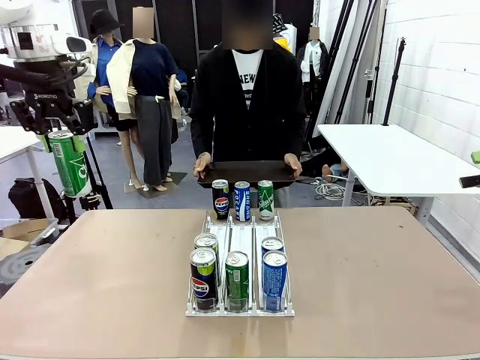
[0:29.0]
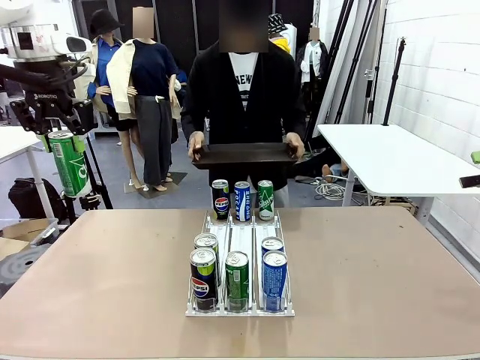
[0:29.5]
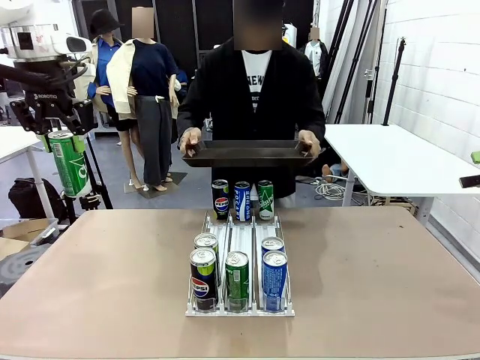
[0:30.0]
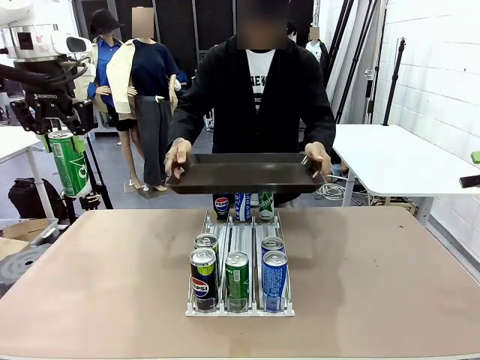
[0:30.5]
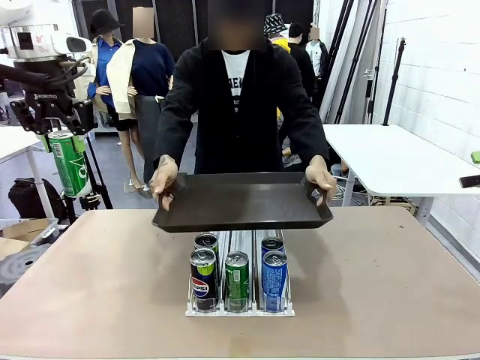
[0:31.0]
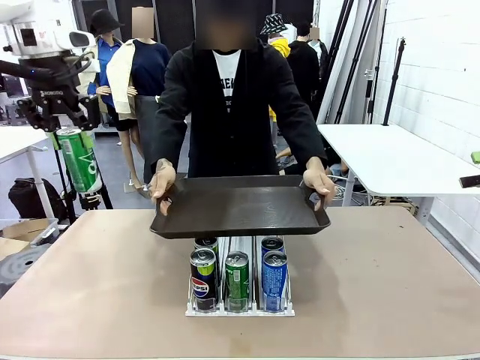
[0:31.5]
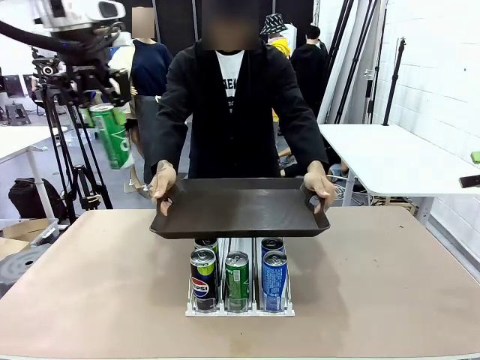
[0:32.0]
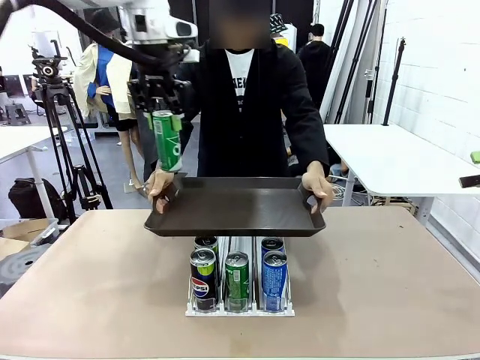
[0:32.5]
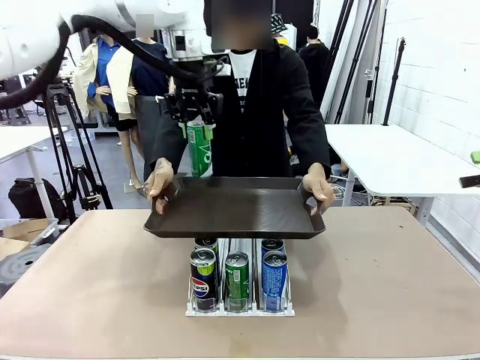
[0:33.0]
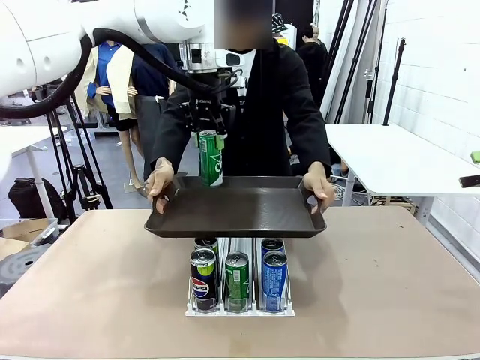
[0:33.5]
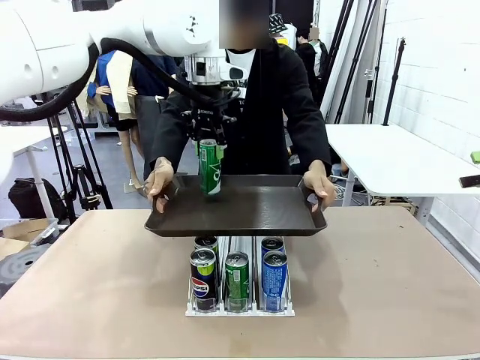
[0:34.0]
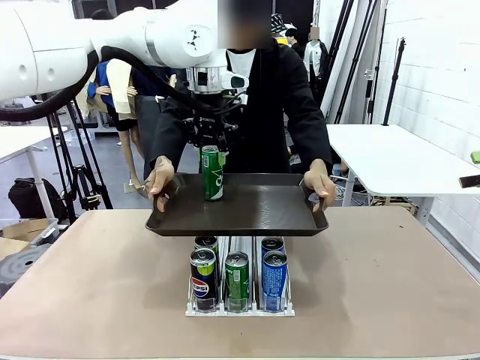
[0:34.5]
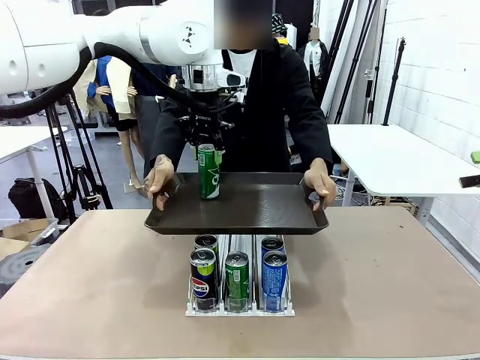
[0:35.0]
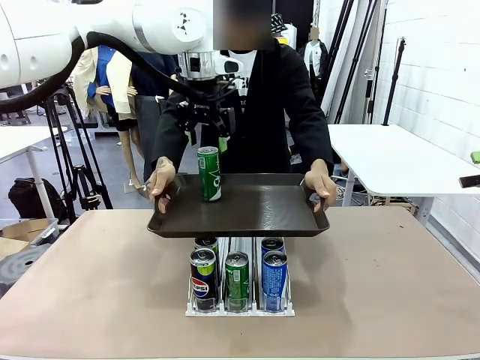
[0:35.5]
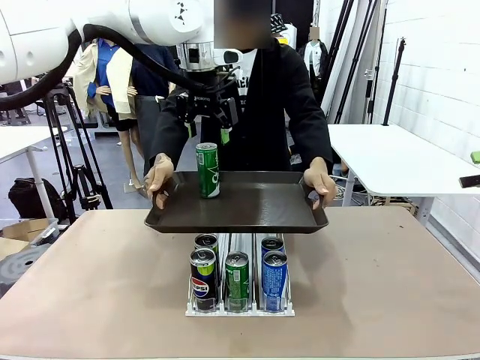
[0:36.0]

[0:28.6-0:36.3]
Task: Retrieve and hand over the desired beverage to the person.
Robot: Place the picked can on the Handle tray extended by the person.

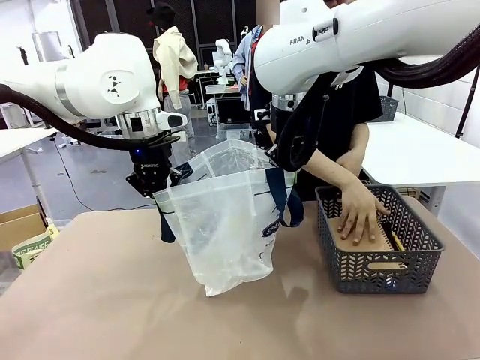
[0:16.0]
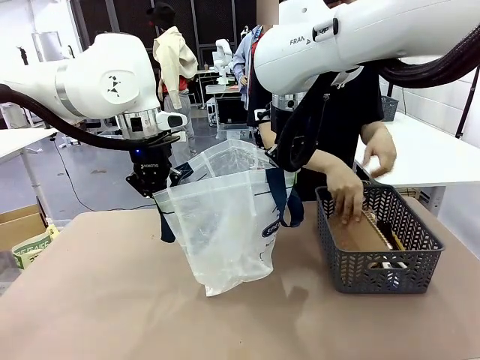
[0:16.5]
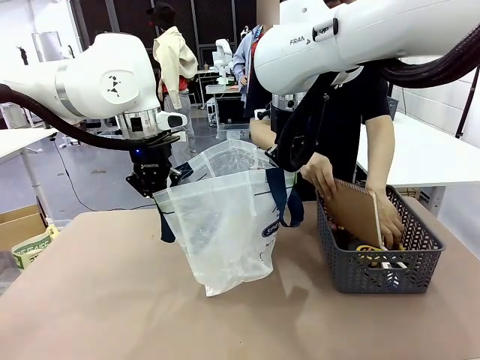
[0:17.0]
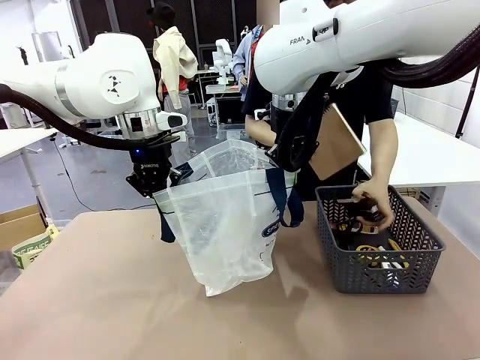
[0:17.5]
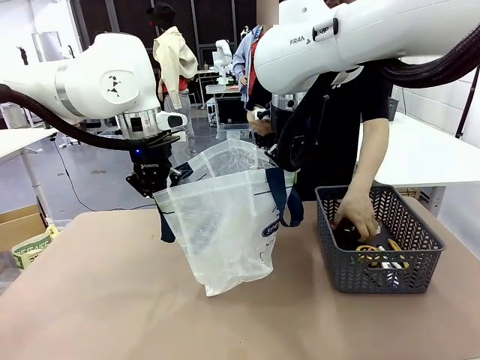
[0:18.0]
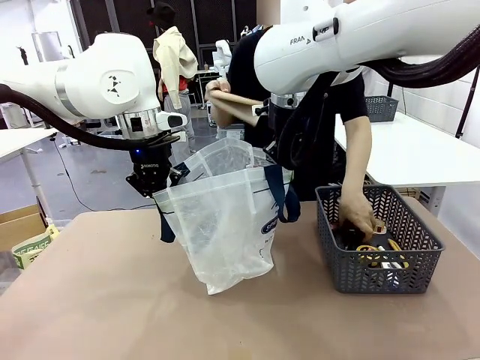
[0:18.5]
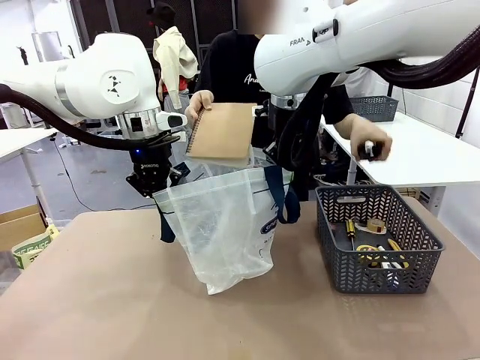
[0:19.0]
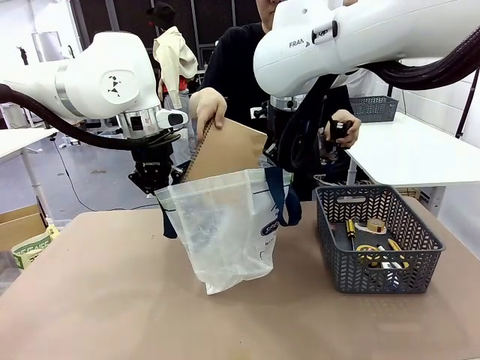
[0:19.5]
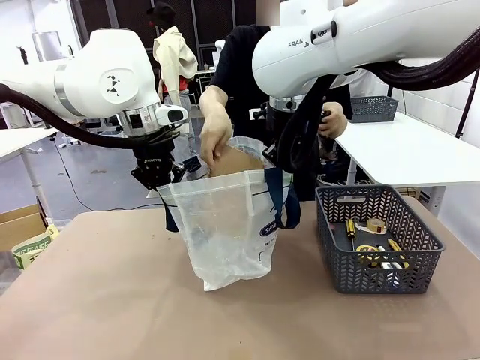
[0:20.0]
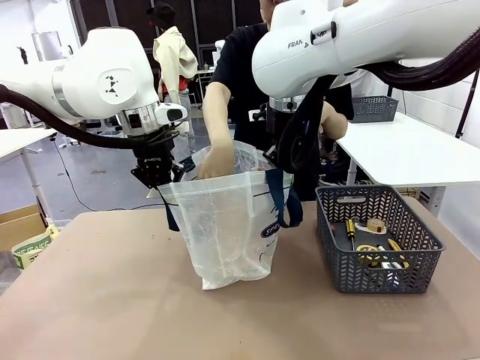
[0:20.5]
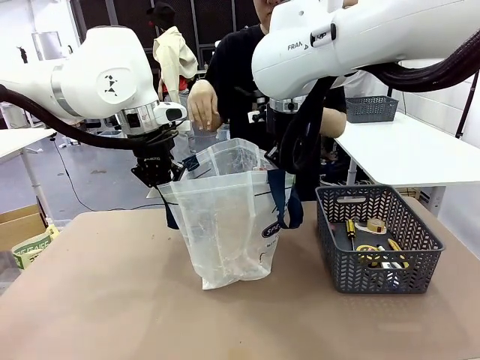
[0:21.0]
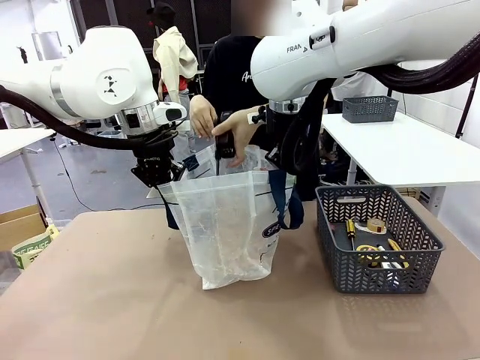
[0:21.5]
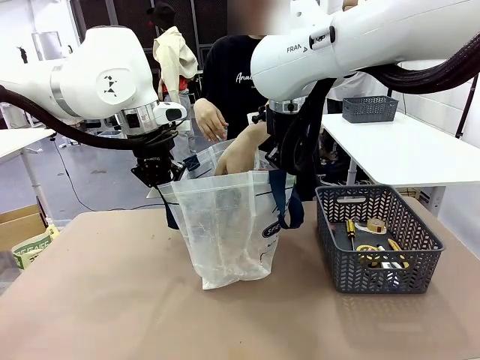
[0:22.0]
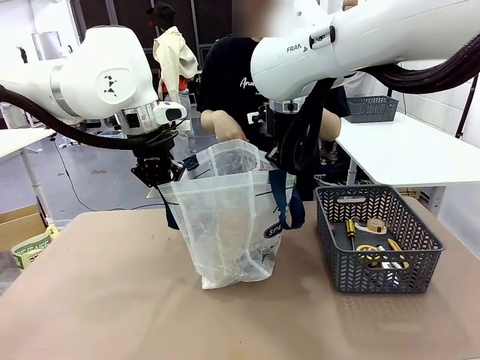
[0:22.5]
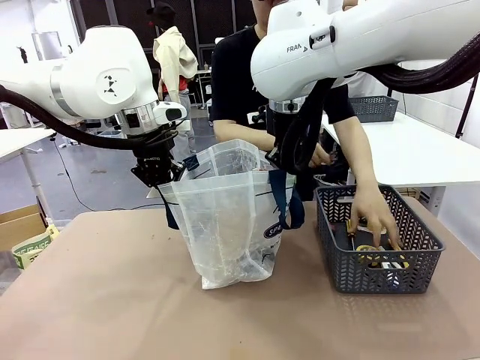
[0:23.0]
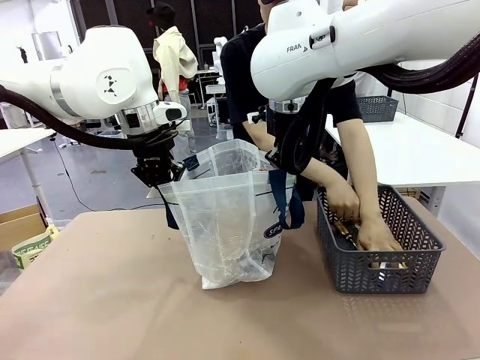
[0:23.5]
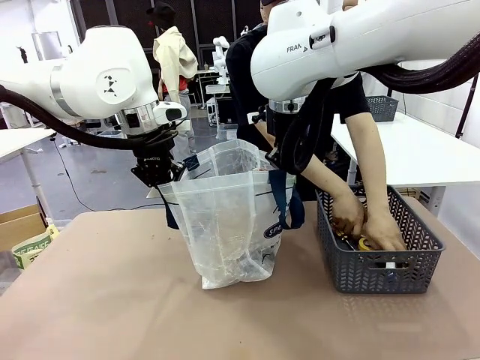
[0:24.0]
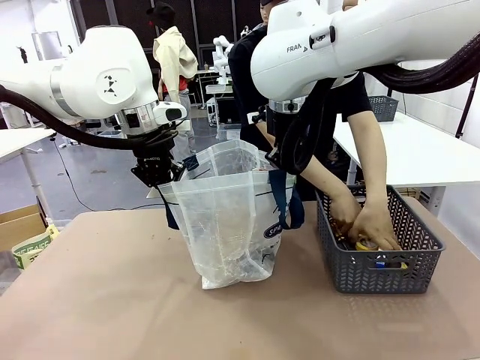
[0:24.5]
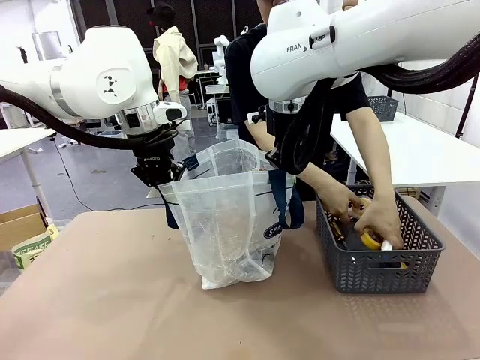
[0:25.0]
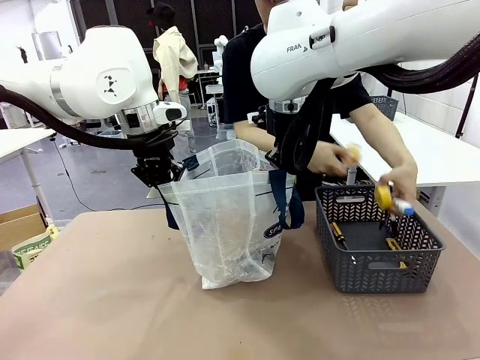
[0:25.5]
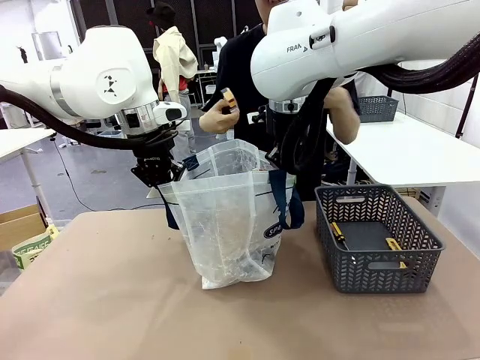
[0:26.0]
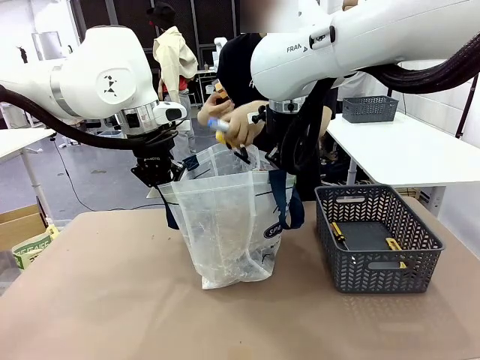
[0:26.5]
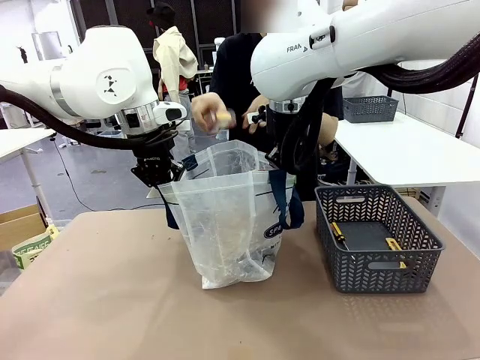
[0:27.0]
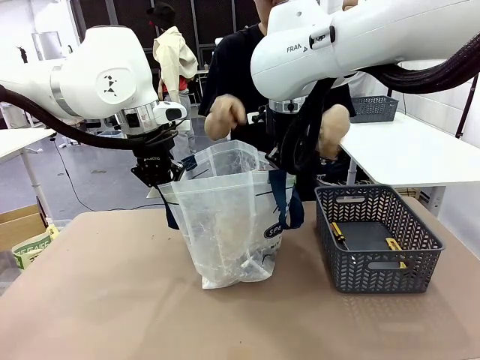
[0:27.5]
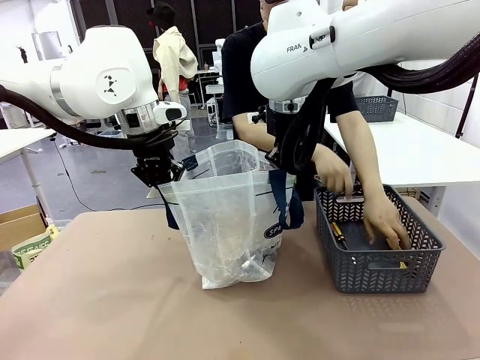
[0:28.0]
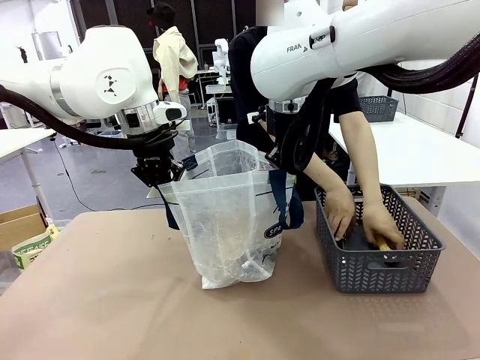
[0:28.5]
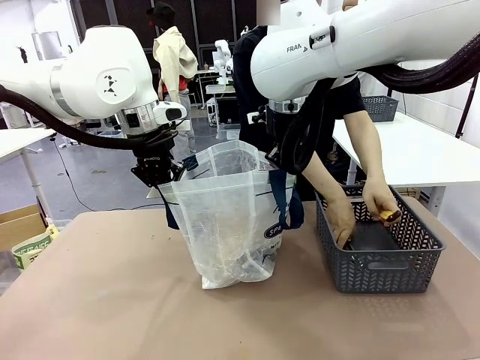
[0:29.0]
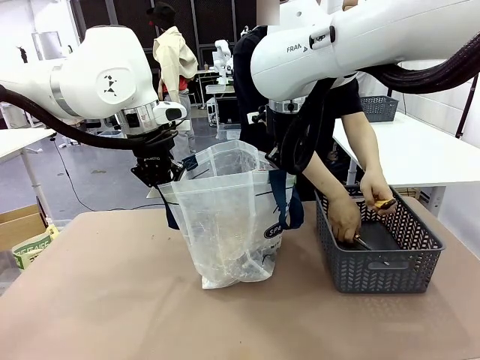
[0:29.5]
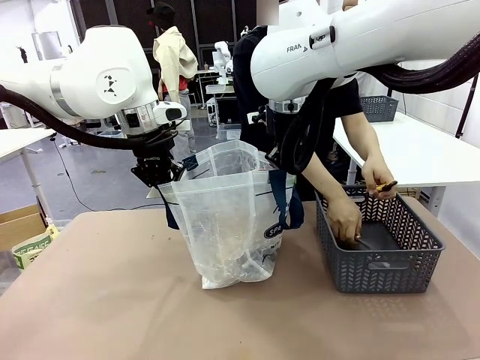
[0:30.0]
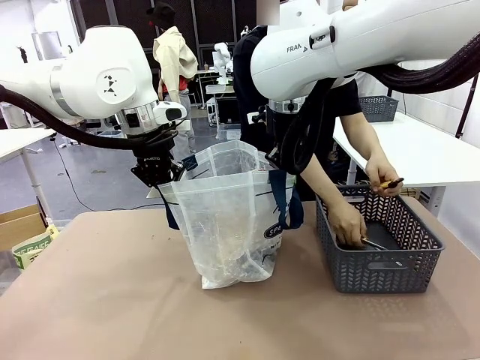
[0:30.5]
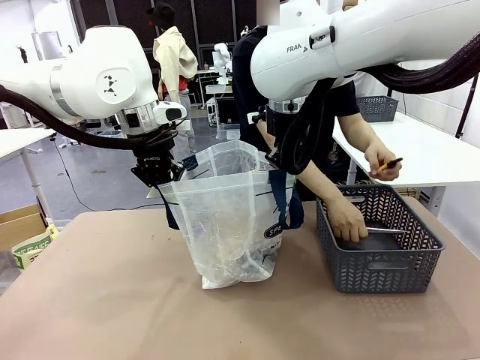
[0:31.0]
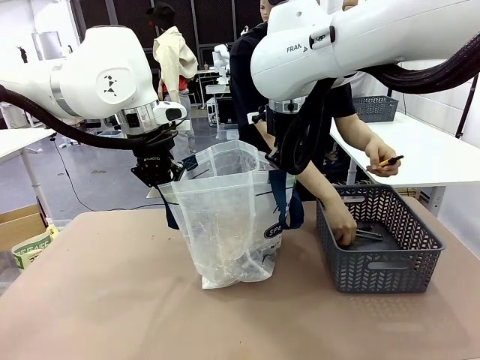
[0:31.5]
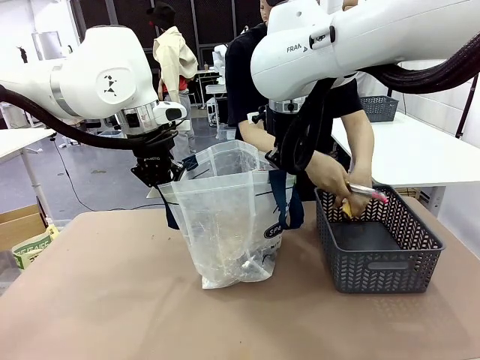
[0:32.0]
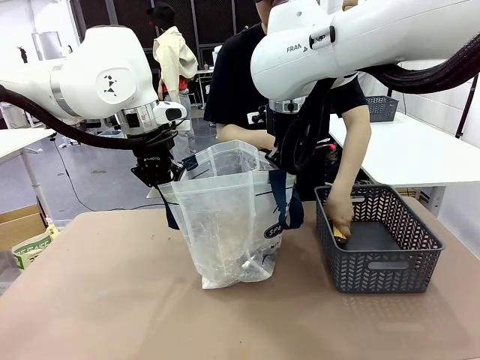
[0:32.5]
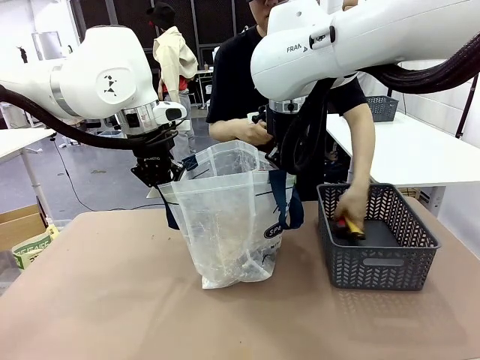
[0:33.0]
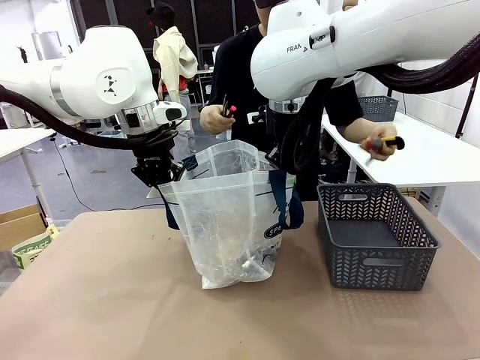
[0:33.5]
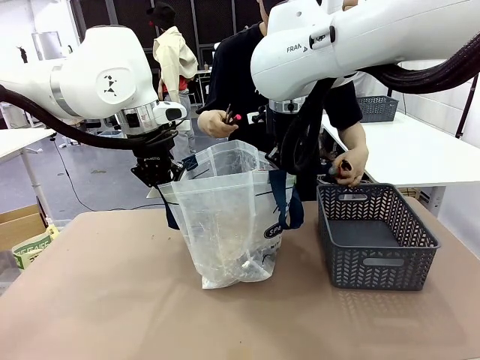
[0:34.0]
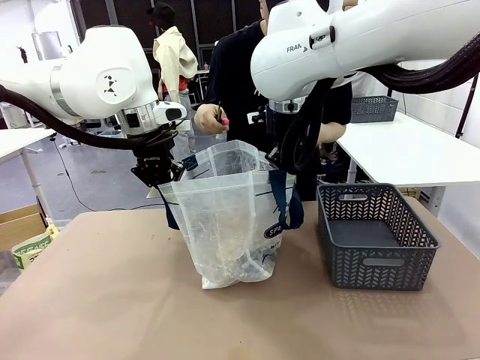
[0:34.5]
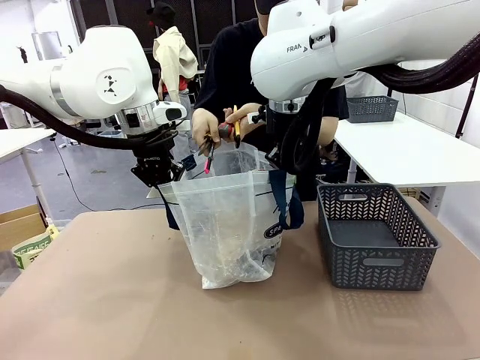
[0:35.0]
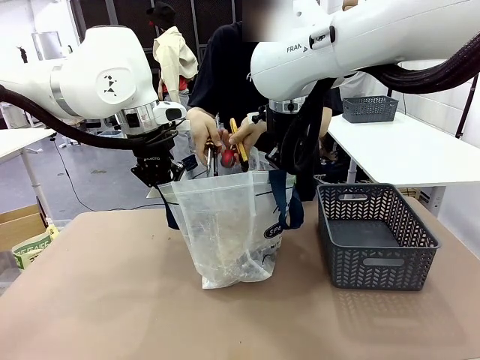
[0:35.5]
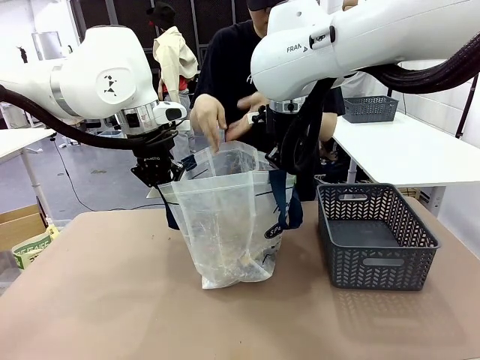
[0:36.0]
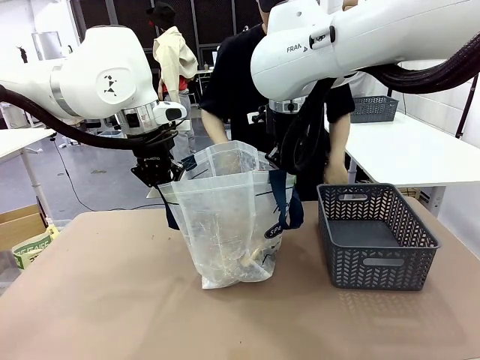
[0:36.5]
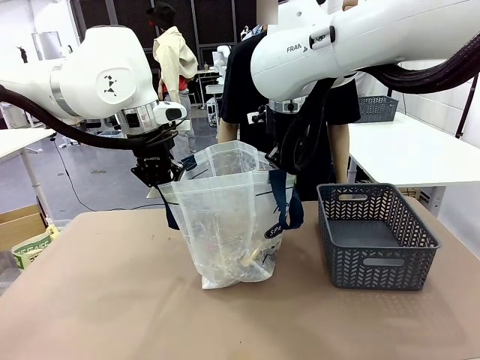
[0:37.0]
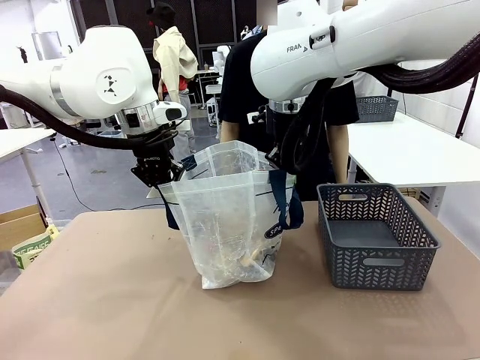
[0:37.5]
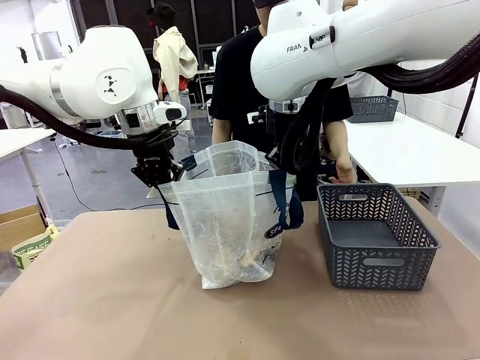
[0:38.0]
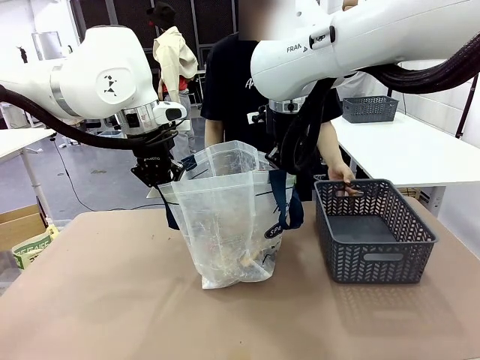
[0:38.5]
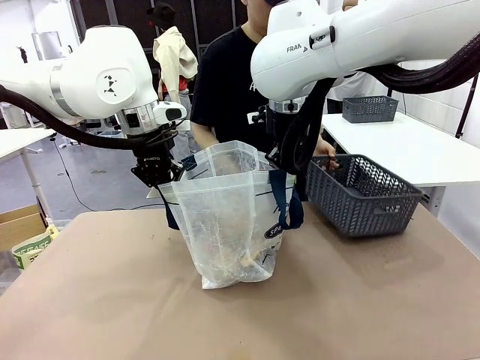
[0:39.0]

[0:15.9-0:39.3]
Task: Transfer purchased items from the store into the shopping bag.
Robot: Move the Reusable shopping bag to the right side of the table.
Person: Pick up the basket on the right, place it on the left side of the robot table, and move the items in the basket to the shopping bag.
